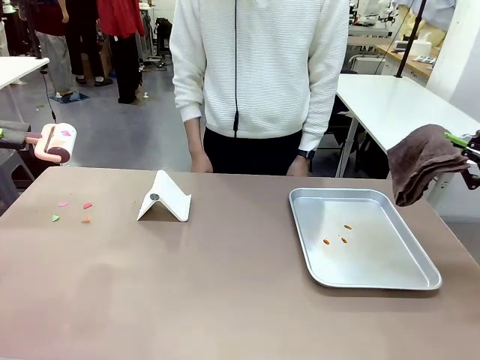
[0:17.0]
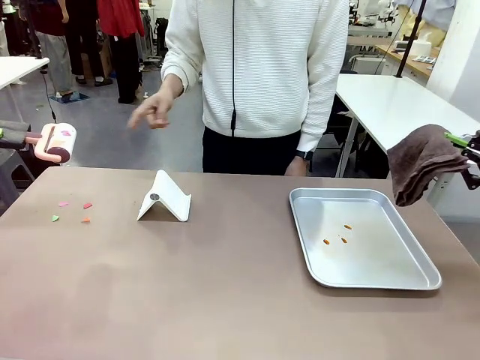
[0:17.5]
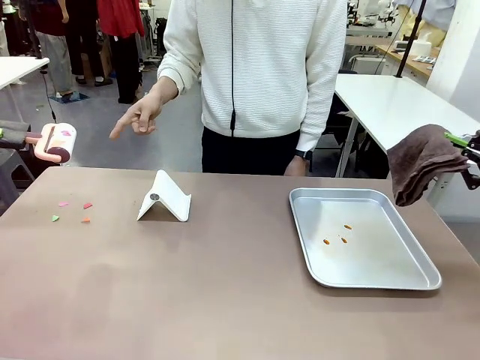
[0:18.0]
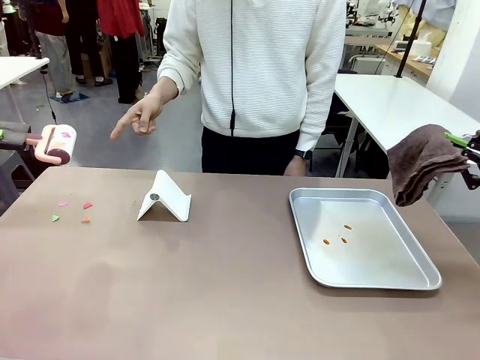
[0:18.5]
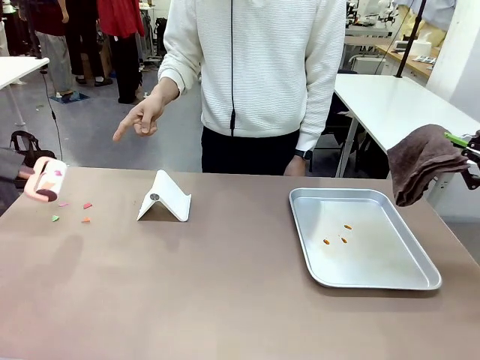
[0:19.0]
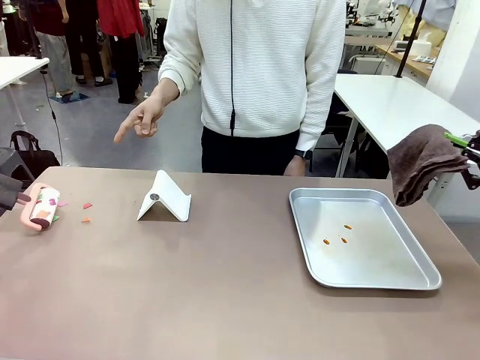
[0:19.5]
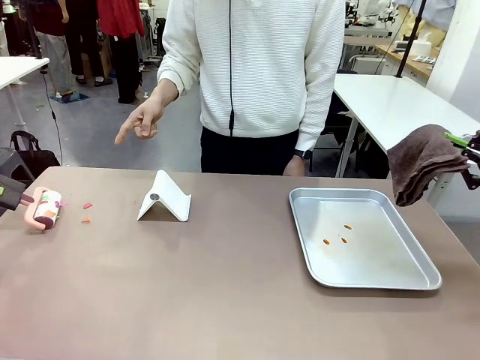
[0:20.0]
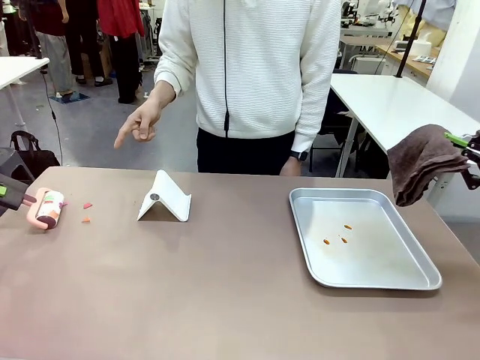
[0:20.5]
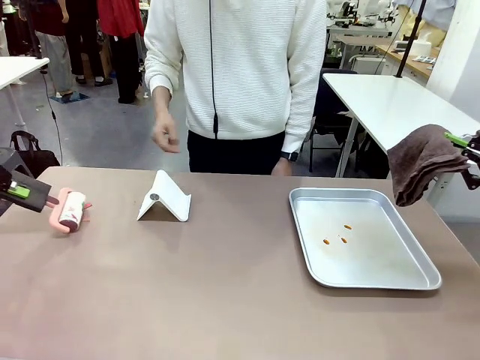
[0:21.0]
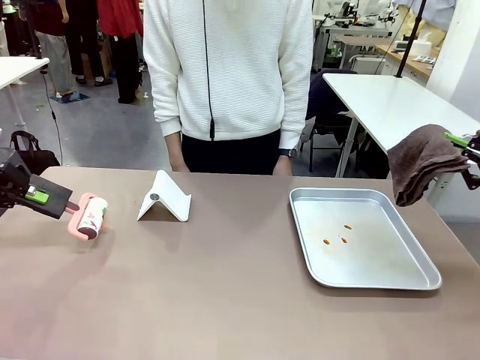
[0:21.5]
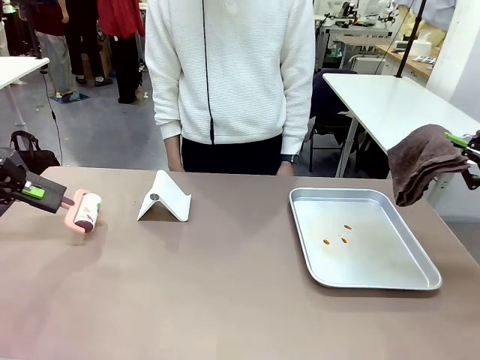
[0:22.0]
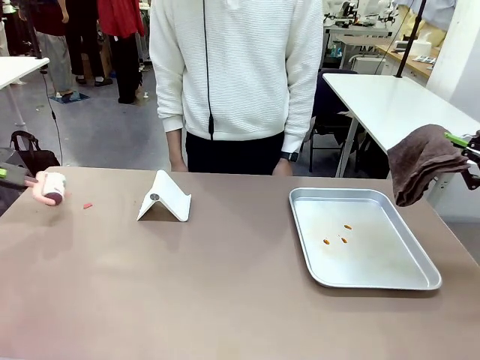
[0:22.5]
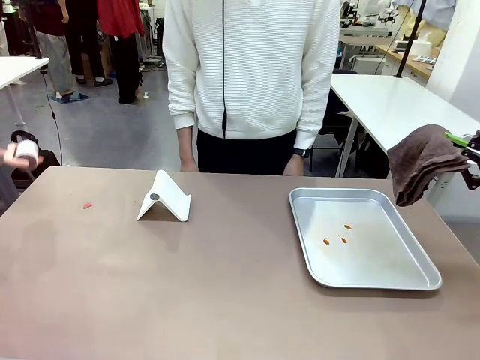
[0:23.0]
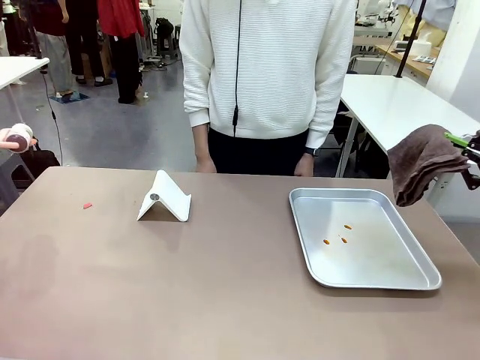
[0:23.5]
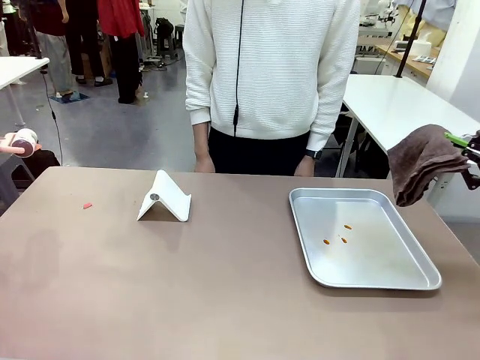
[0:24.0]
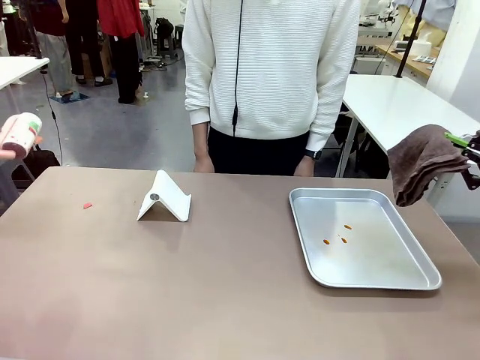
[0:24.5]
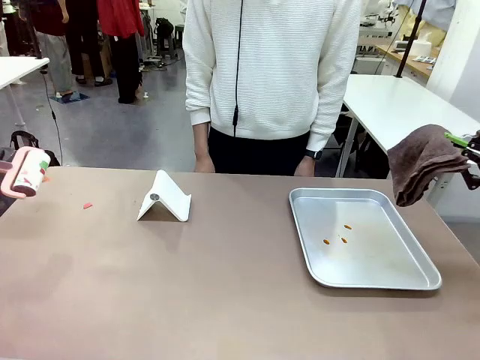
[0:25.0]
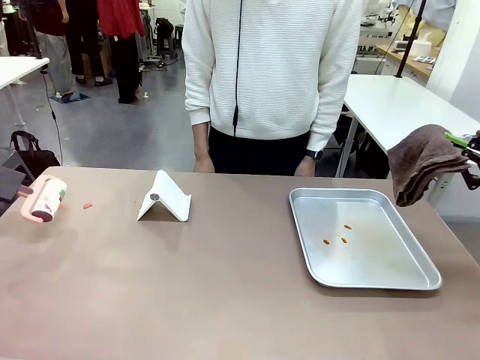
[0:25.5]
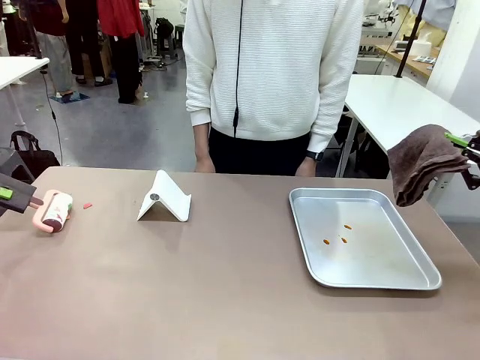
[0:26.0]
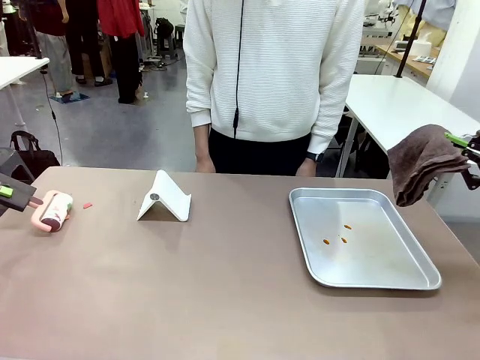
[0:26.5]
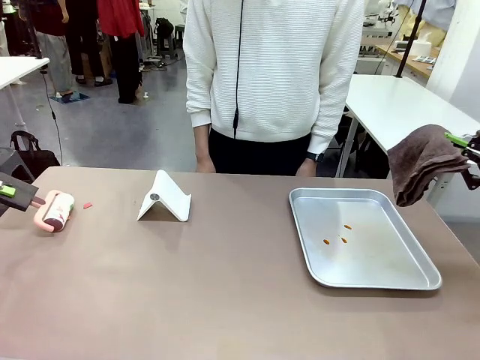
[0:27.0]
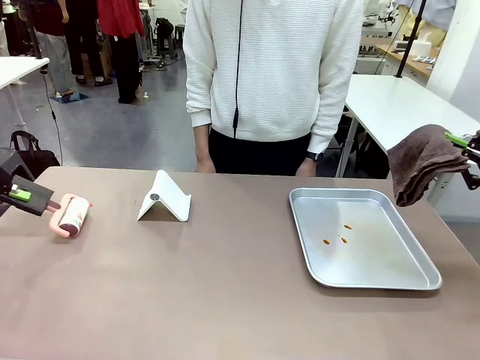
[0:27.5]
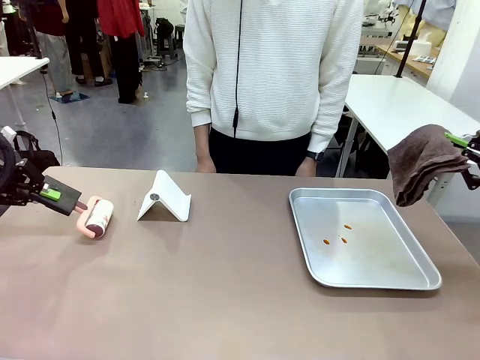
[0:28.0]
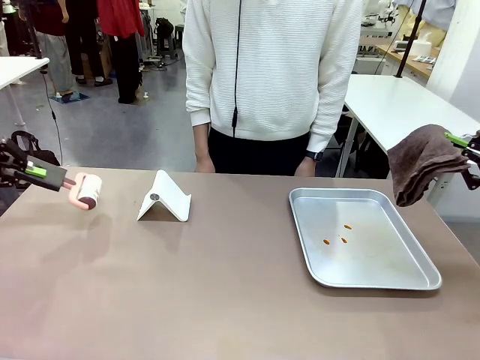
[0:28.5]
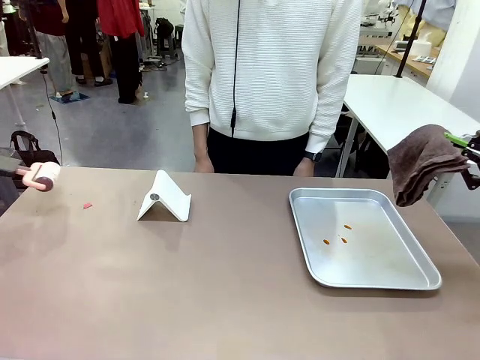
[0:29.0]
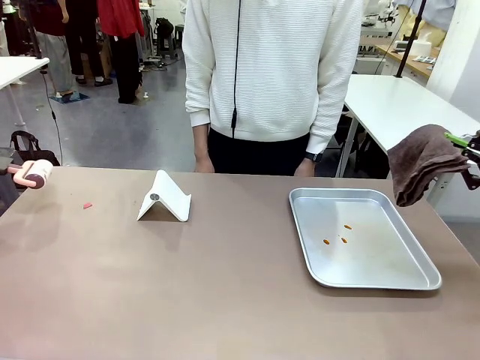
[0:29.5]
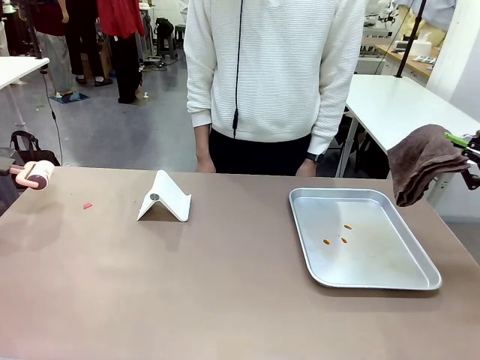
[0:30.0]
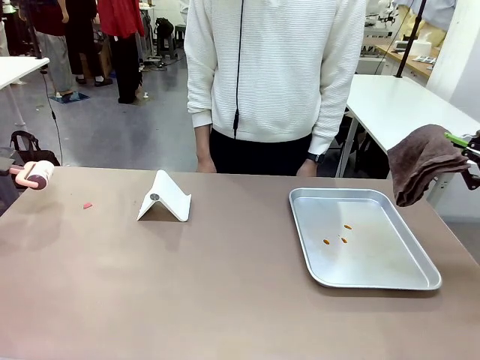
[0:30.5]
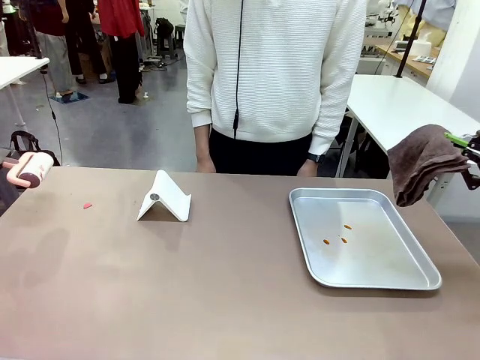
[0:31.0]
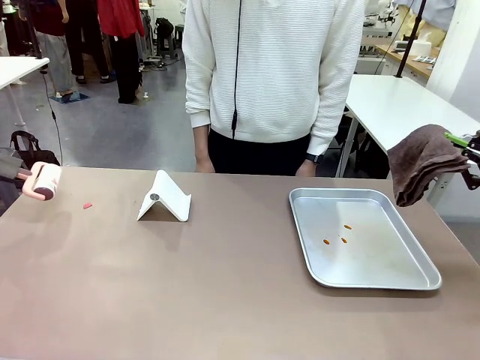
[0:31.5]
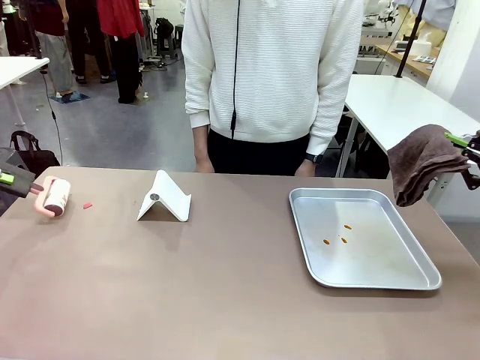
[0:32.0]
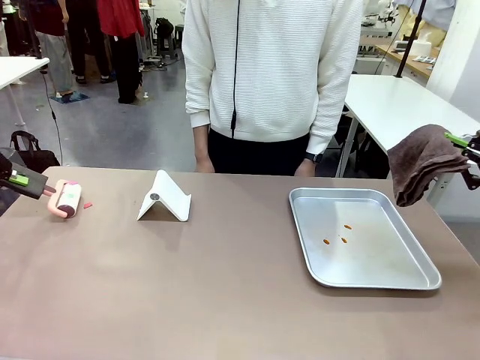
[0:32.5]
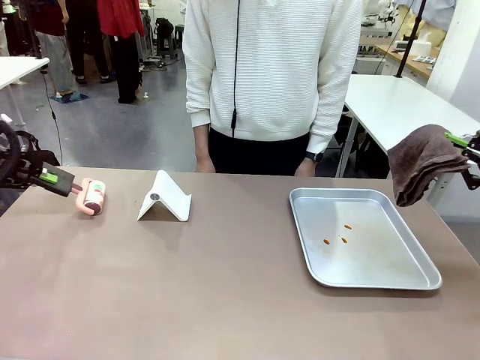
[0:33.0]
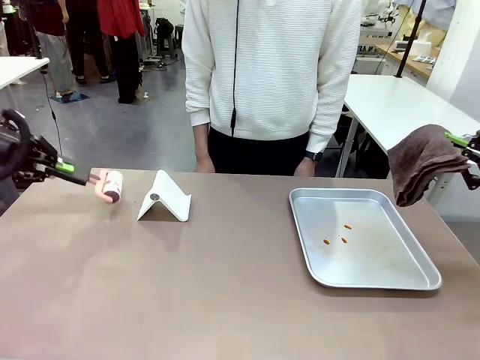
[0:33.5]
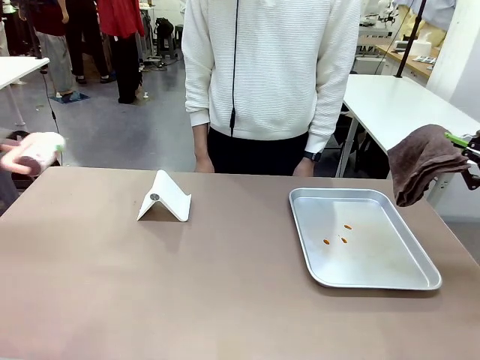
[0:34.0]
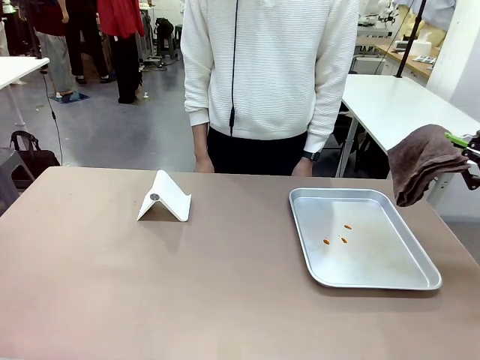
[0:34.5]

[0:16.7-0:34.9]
Task: Clean the surface of the table.
Robot: If a person points to the right, clean the right side of the table with your right hand, and if they point to the left, clean the left side with your left hand.

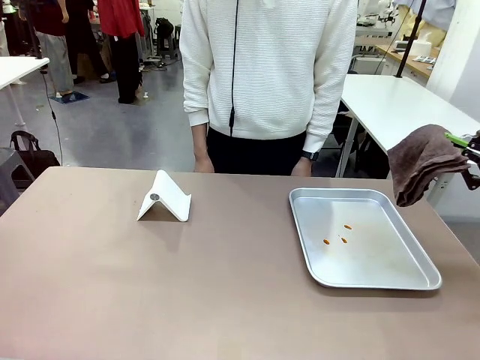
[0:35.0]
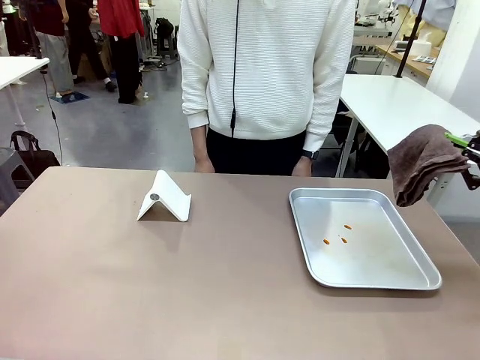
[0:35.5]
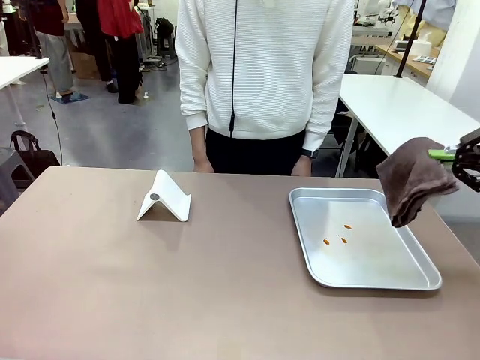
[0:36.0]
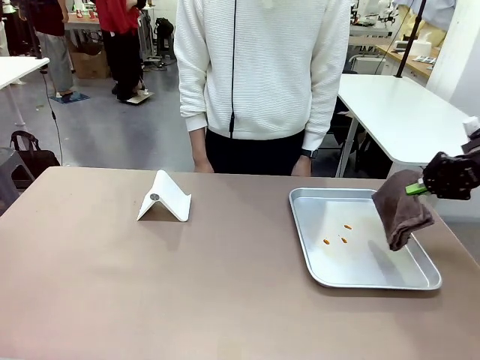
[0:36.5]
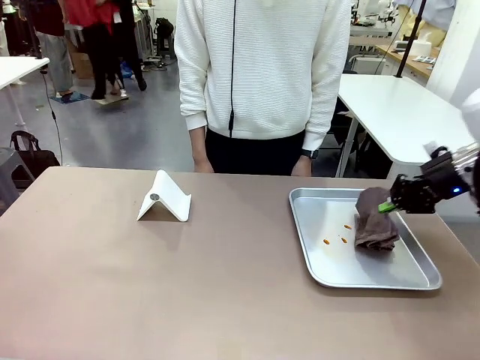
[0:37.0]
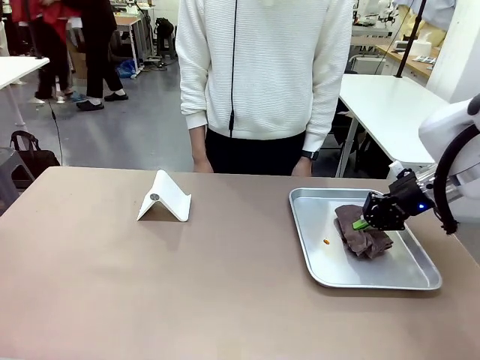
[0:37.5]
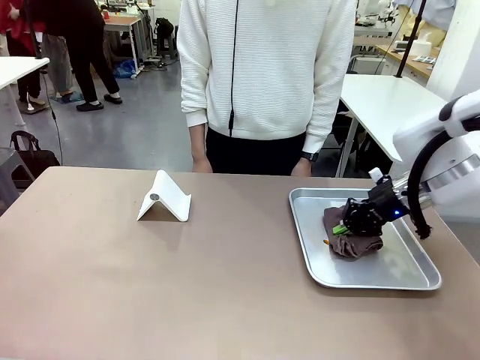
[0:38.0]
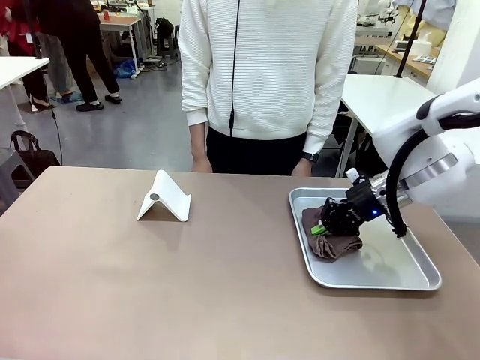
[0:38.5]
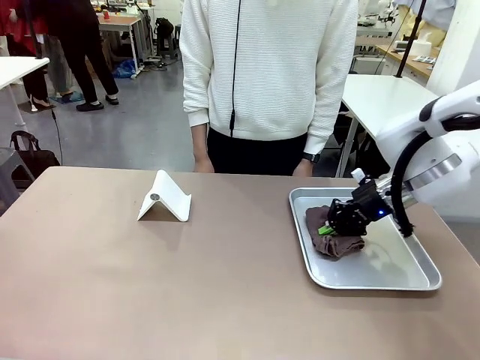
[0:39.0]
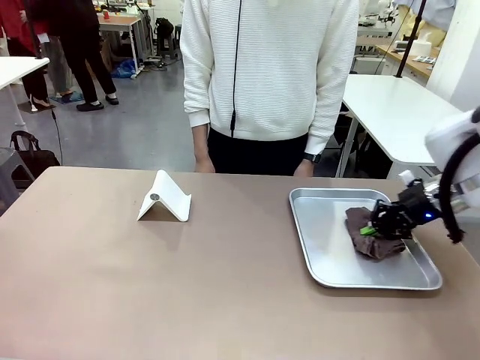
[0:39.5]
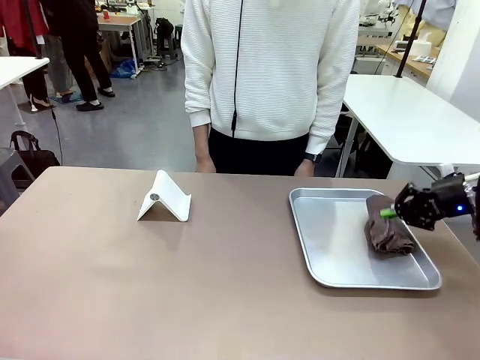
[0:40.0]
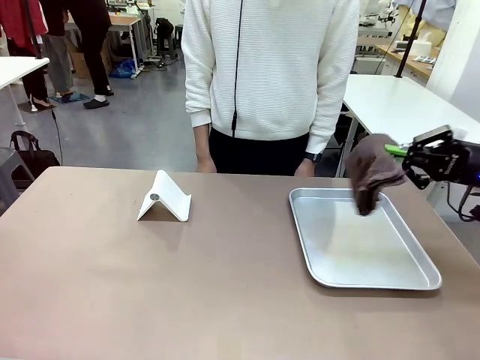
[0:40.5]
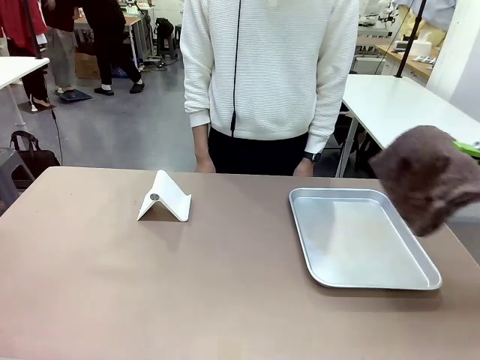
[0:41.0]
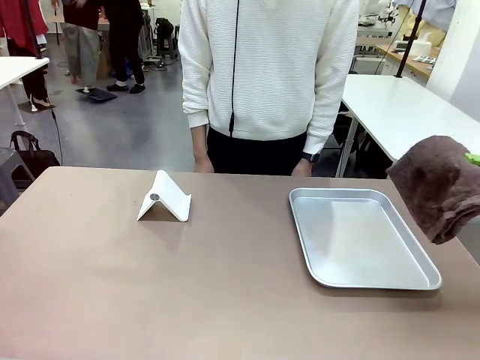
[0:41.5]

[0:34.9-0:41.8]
Robot: Clean the area not pointed to by the person.
